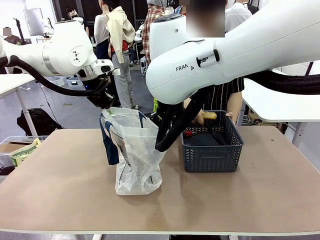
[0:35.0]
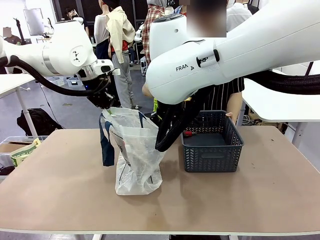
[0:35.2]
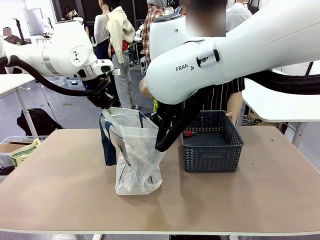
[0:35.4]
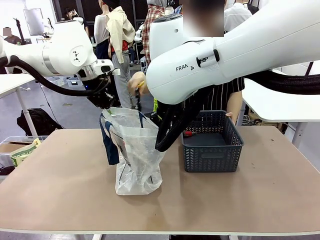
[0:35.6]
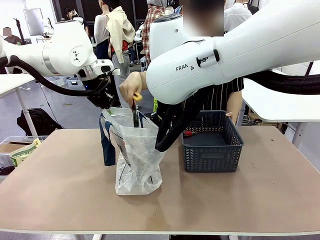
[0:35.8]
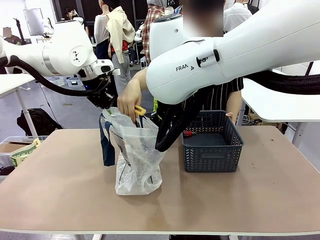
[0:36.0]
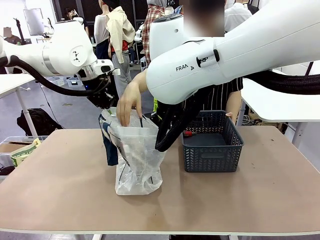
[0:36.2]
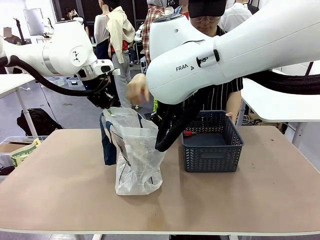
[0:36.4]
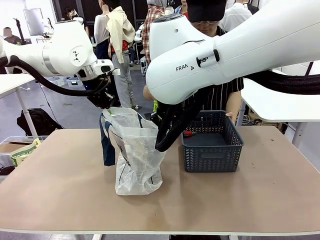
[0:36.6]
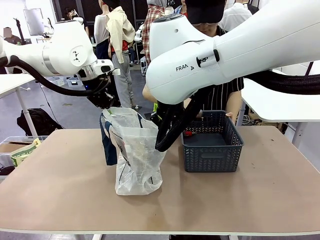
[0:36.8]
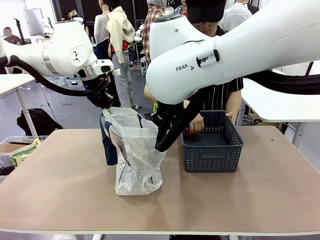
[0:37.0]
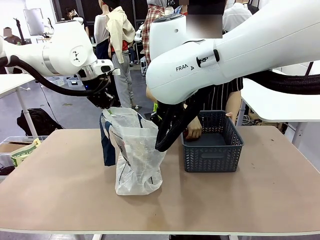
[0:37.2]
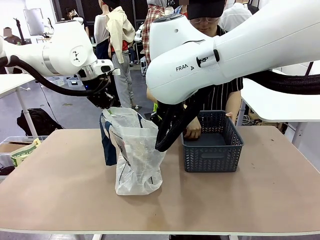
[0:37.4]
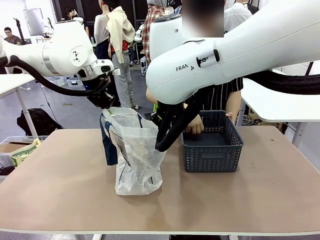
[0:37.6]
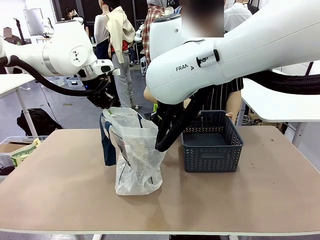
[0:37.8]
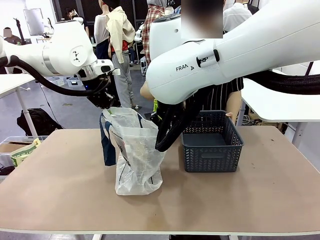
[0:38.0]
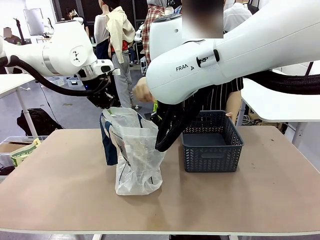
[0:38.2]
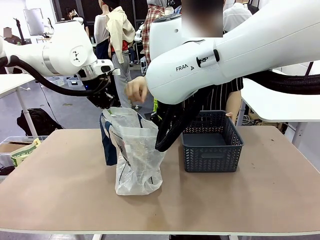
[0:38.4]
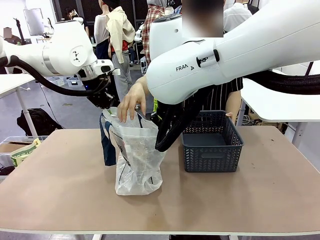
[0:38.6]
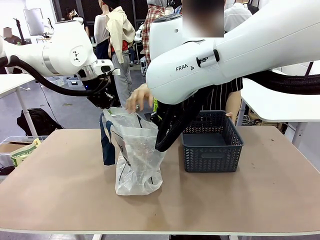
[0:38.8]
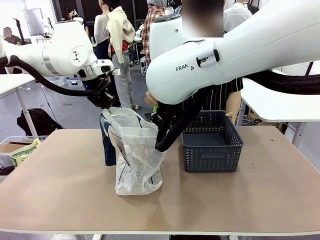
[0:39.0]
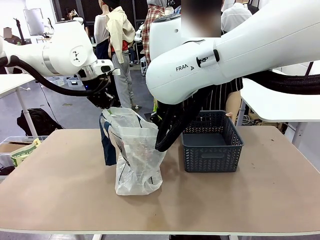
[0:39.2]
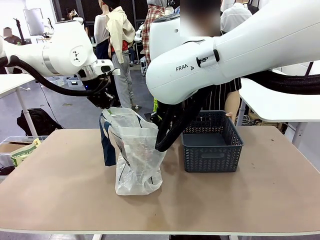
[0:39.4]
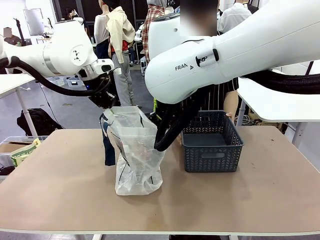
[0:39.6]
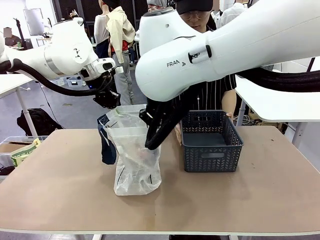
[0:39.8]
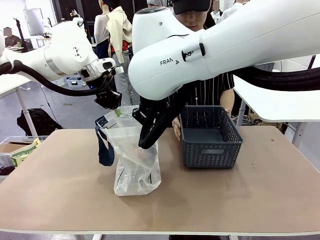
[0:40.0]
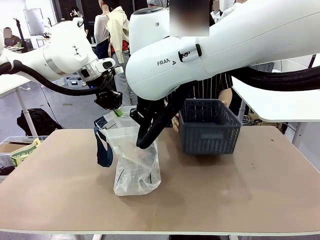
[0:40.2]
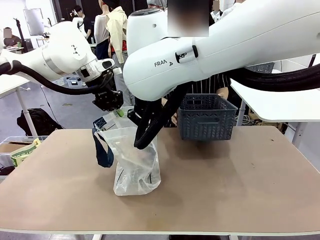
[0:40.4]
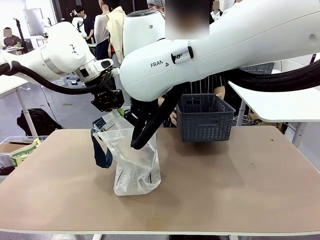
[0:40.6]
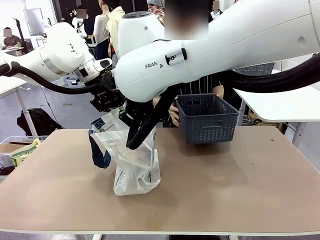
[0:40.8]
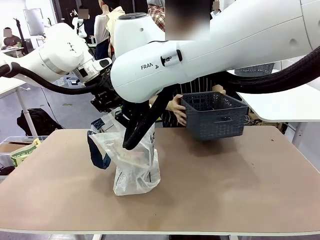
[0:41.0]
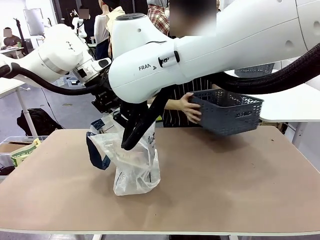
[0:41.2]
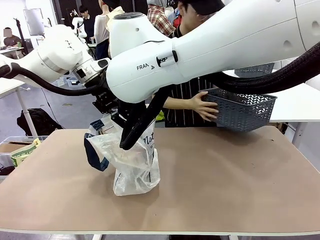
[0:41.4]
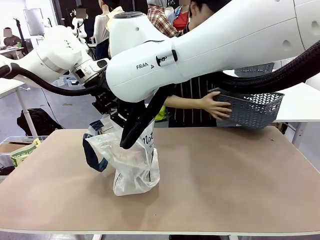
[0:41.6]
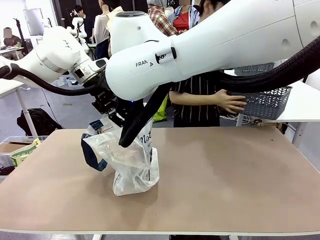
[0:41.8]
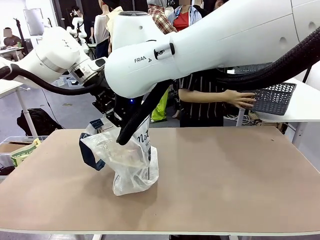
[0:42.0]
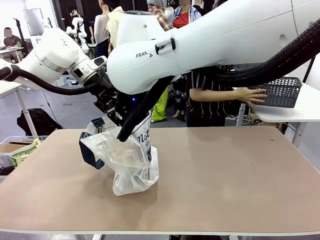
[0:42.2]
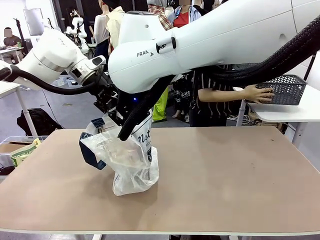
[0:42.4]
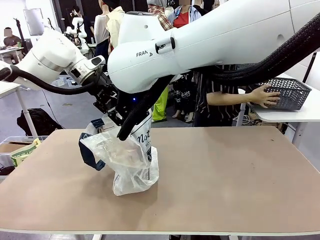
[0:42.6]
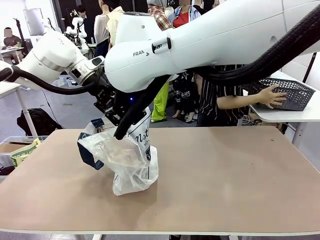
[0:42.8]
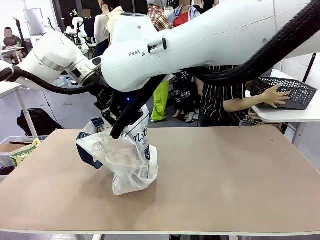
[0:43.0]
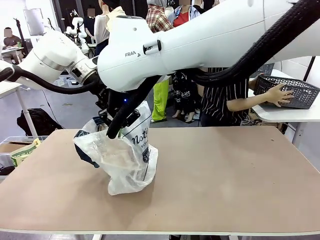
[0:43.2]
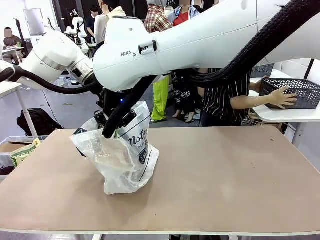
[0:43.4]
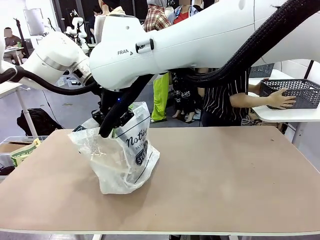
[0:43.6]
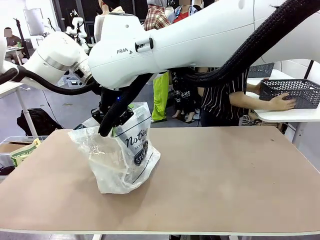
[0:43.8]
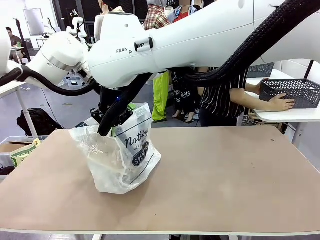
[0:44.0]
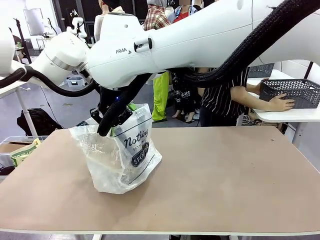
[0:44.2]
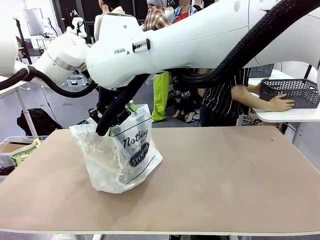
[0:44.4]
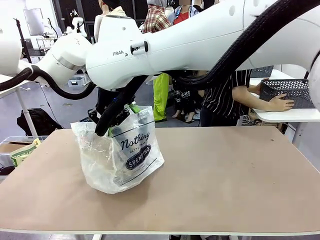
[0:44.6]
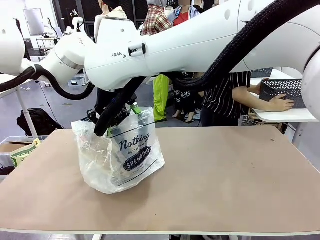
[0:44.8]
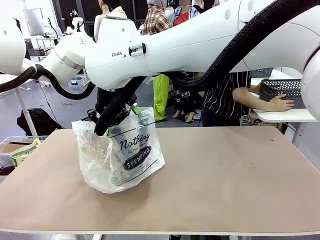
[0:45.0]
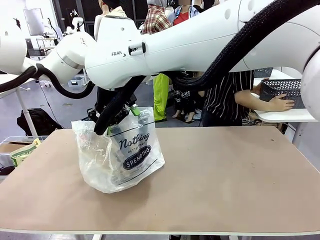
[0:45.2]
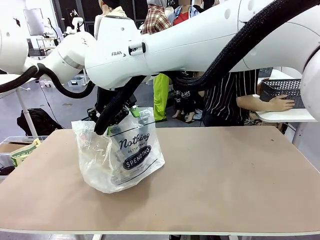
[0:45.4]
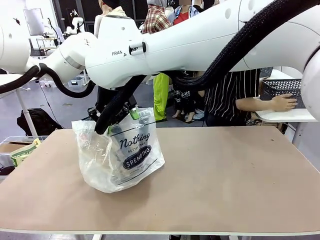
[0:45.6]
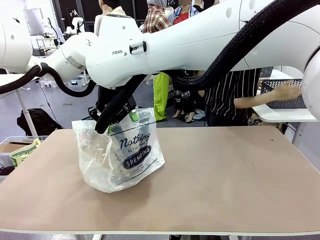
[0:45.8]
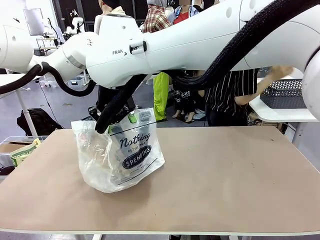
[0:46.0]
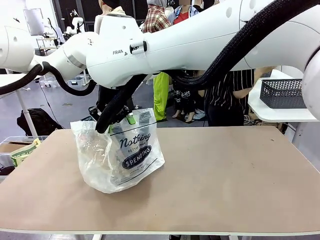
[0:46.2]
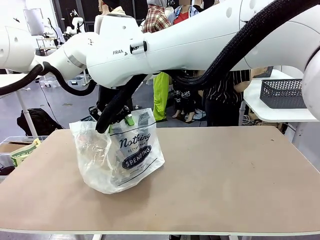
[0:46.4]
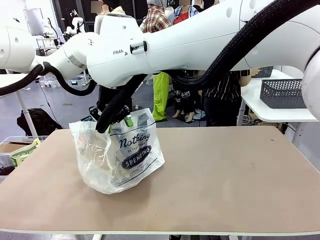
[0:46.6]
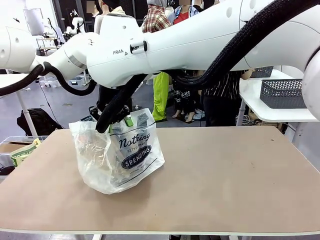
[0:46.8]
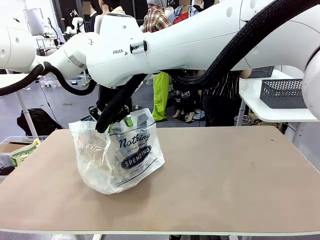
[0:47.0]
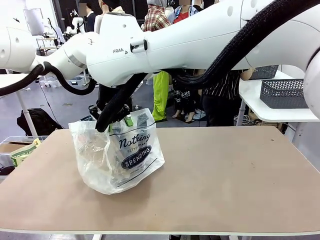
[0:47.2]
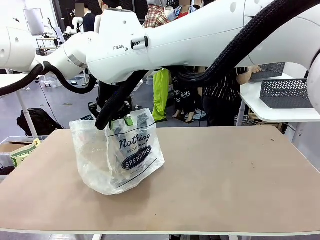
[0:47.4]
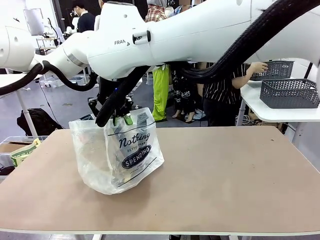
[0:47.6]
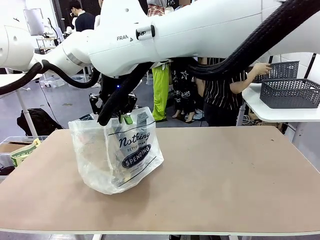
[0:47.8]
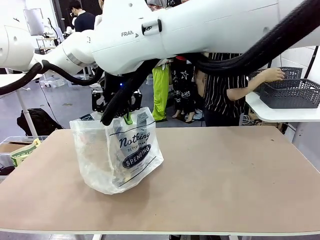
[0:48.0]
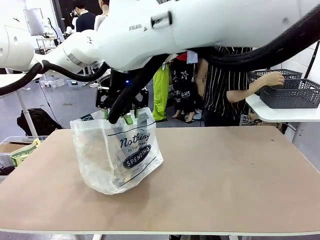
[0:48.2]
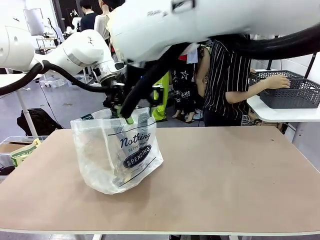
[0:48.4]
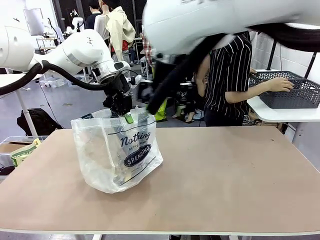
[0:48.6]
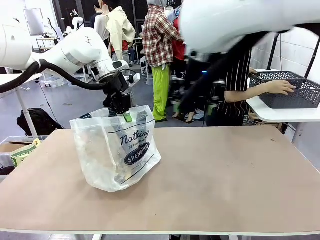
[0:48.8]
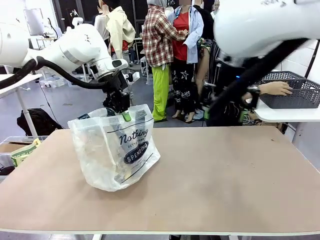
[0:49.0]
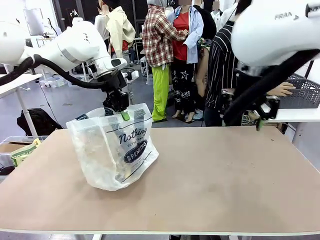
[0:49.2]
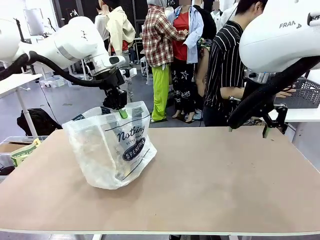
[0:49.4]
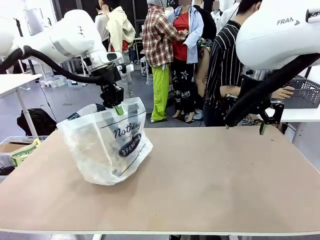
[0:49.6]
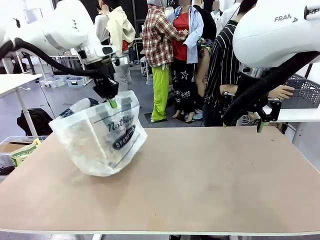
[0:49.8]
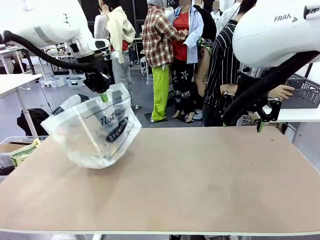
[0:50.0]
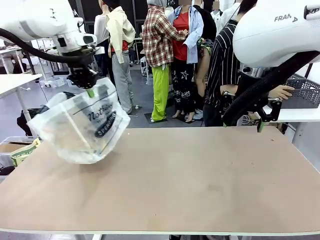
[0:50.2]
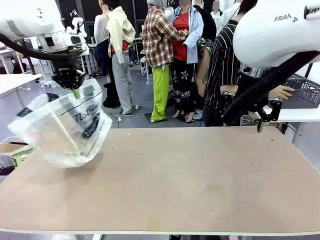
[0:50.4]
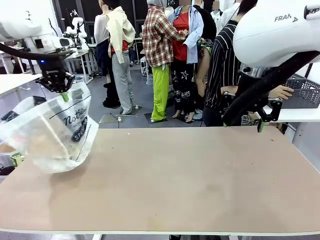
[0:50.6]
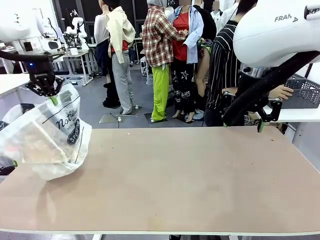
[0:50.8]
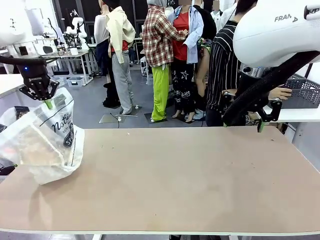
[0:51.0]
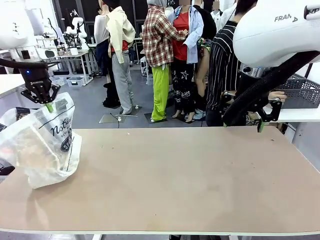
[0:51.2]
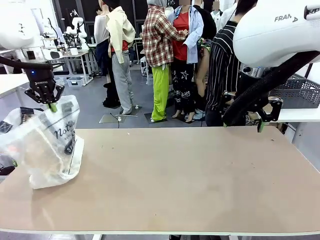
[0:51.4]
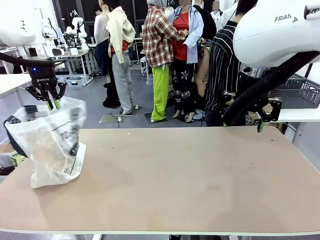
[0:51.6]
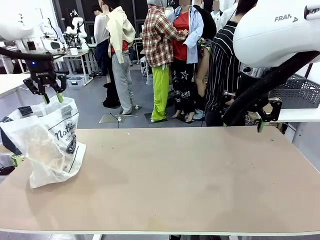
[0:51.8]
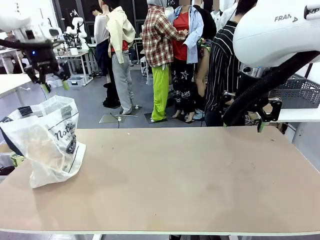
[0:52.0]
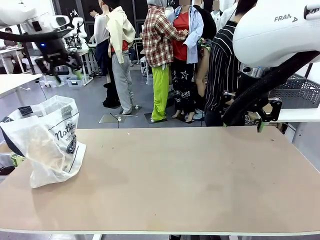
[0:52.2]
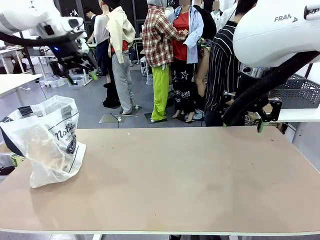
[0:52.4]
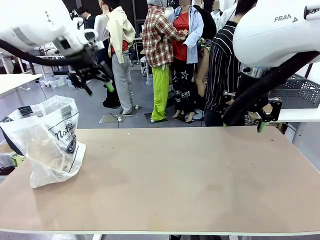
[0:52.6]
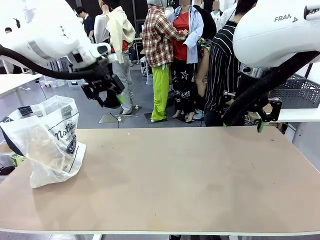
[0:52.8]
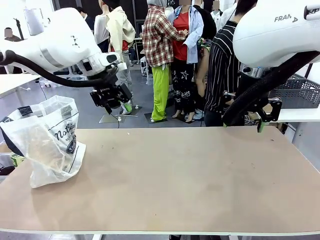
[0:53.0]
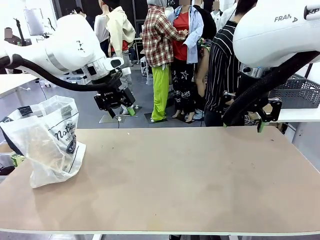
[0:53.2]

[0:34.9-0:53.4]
Task: Transfer purchased items from the store into the shopping bag.
Robot: Move the Reusable shopping bag to the right side of the table.
Person: Move the basket on the left to the middle of the person's table.
